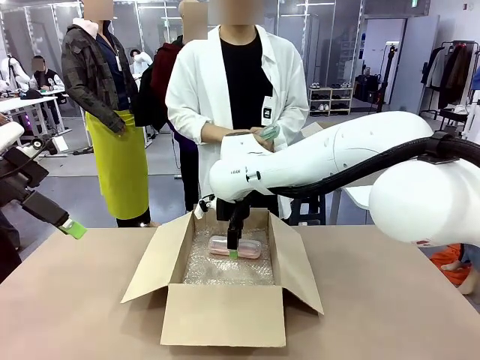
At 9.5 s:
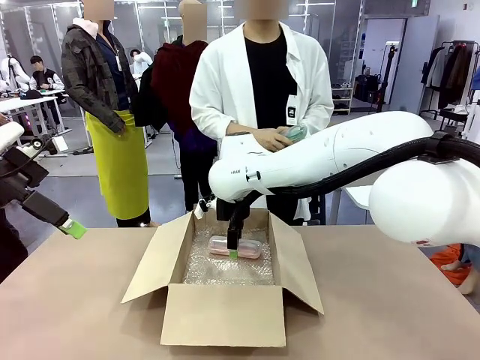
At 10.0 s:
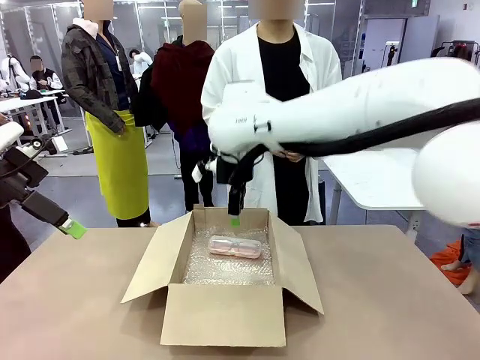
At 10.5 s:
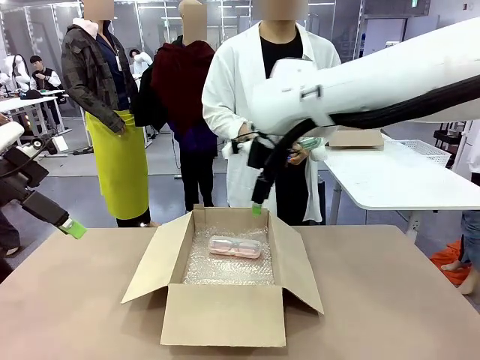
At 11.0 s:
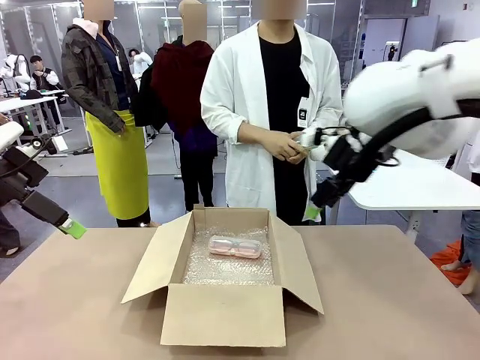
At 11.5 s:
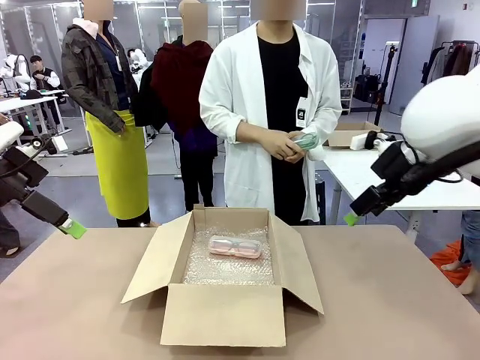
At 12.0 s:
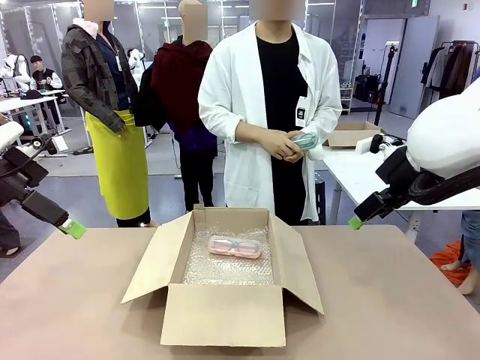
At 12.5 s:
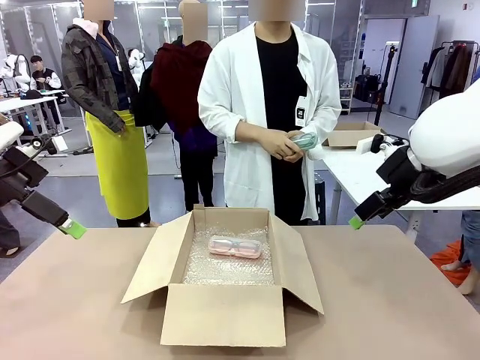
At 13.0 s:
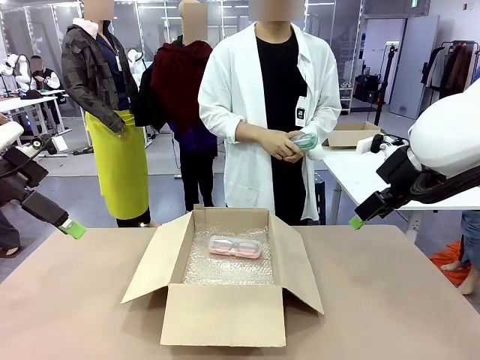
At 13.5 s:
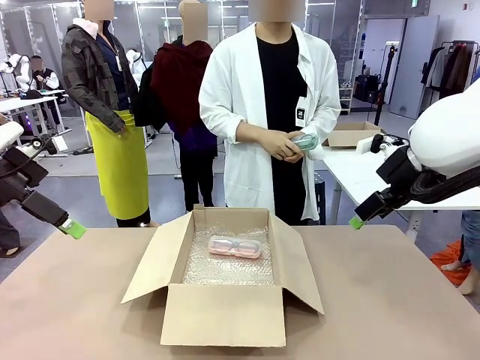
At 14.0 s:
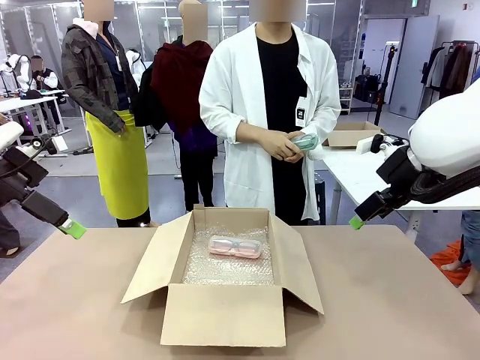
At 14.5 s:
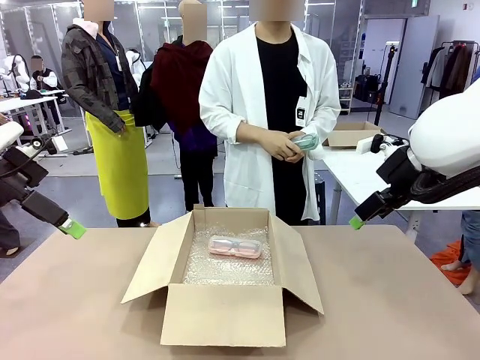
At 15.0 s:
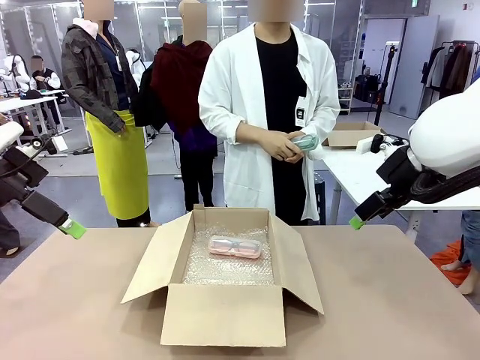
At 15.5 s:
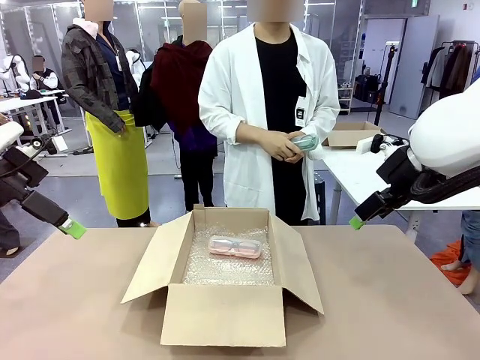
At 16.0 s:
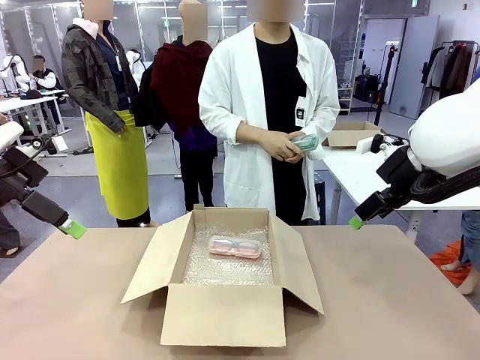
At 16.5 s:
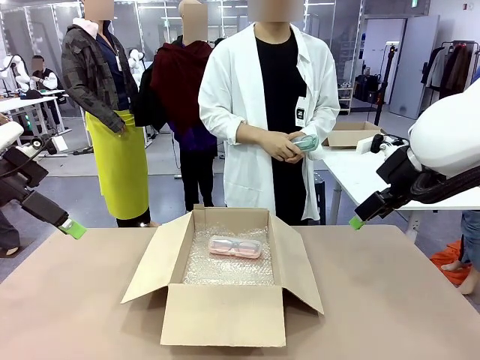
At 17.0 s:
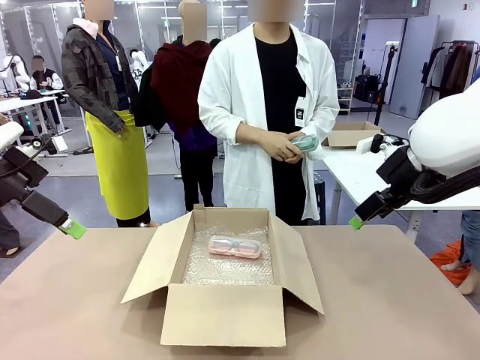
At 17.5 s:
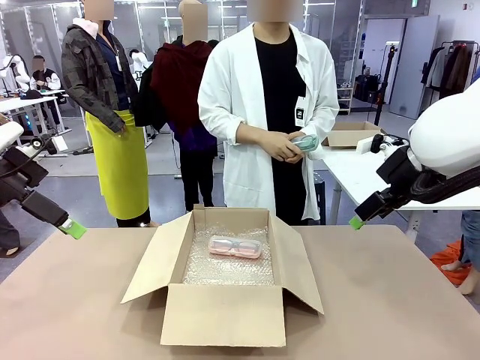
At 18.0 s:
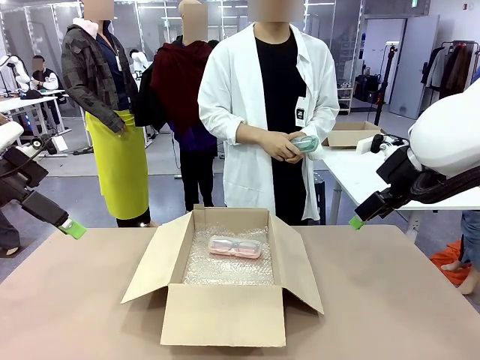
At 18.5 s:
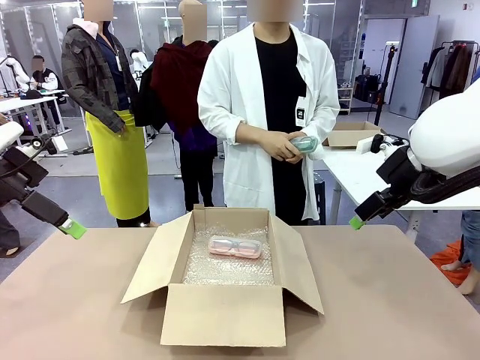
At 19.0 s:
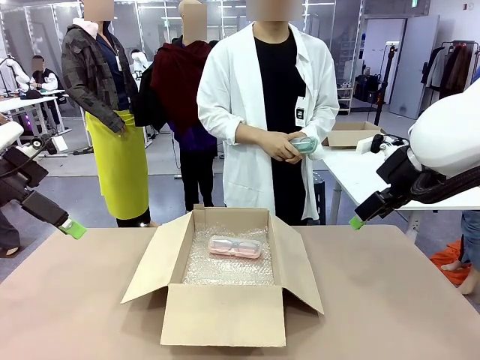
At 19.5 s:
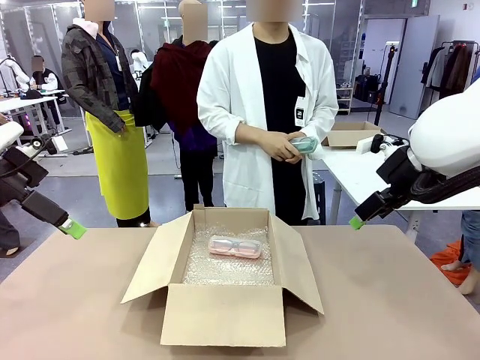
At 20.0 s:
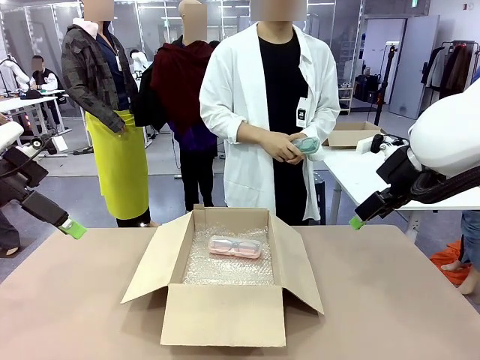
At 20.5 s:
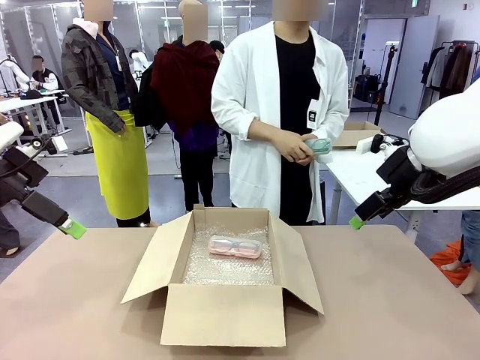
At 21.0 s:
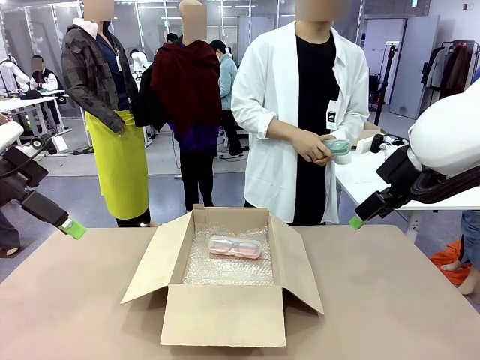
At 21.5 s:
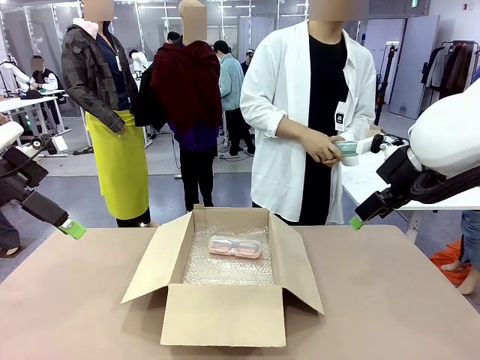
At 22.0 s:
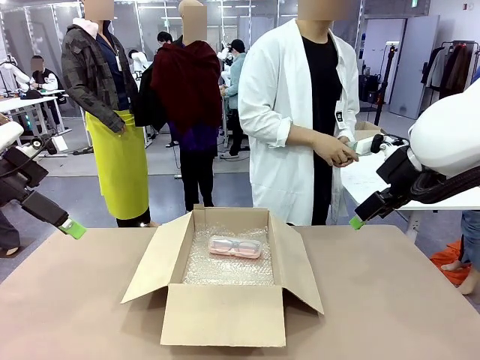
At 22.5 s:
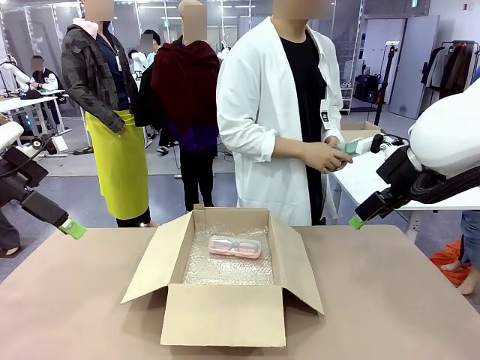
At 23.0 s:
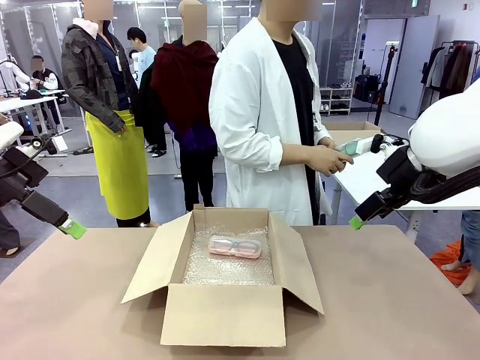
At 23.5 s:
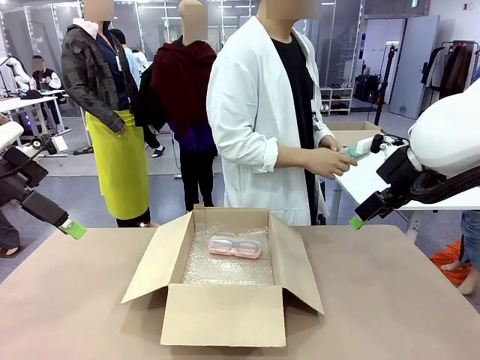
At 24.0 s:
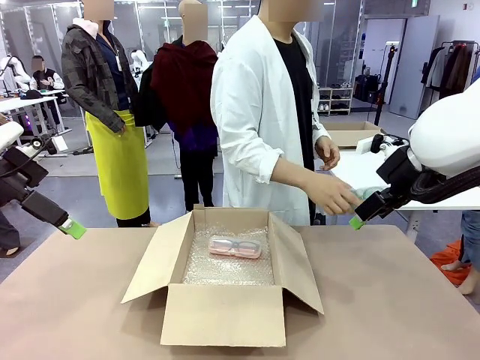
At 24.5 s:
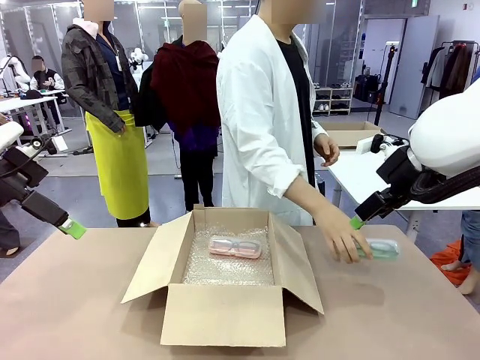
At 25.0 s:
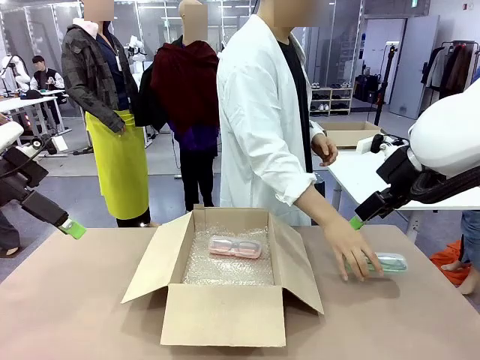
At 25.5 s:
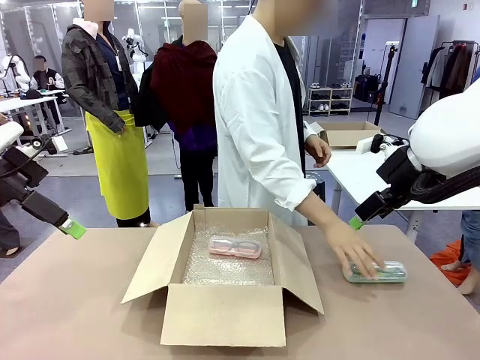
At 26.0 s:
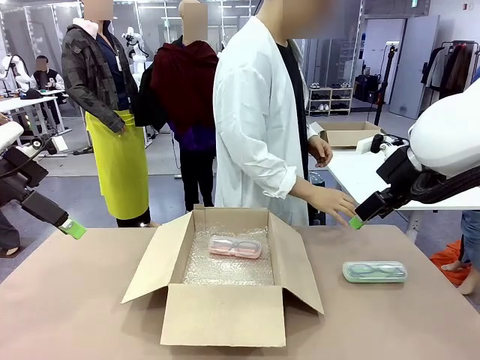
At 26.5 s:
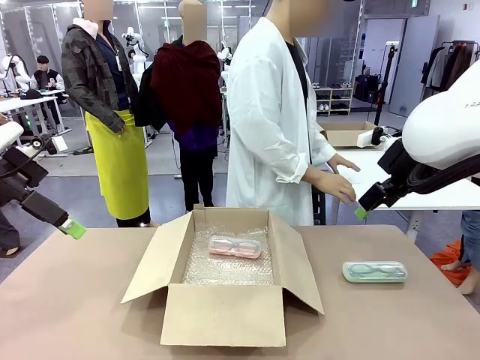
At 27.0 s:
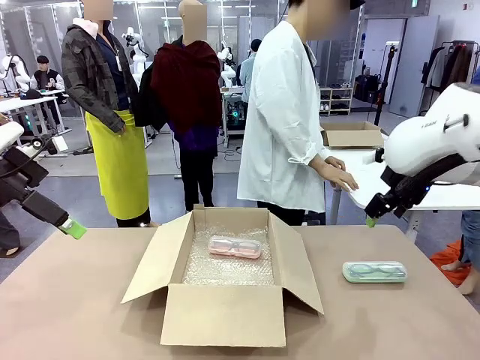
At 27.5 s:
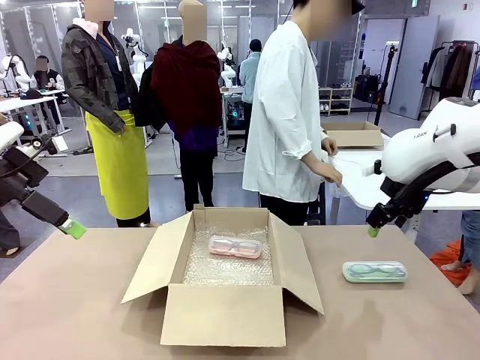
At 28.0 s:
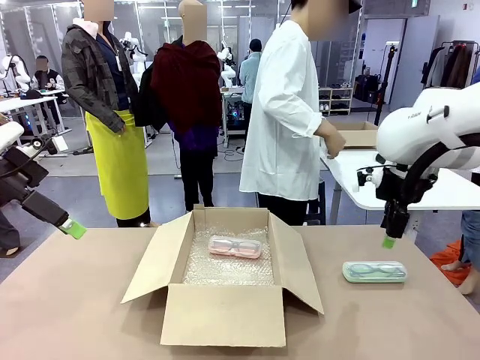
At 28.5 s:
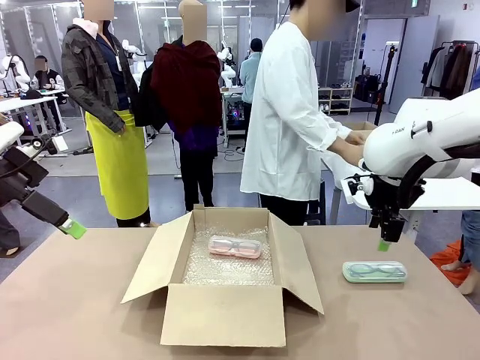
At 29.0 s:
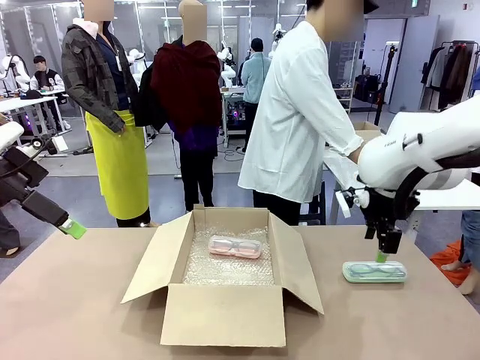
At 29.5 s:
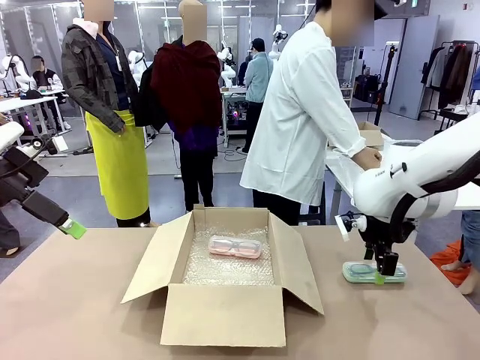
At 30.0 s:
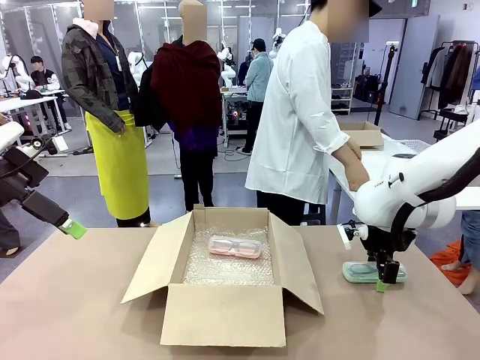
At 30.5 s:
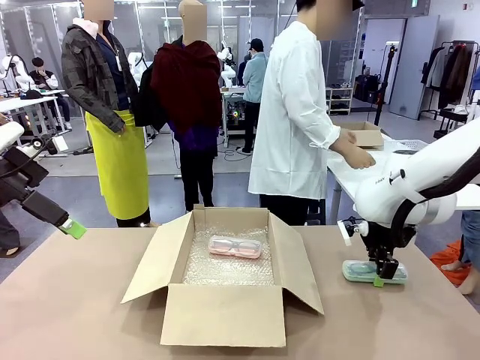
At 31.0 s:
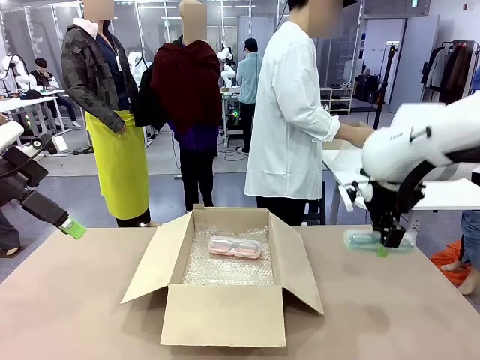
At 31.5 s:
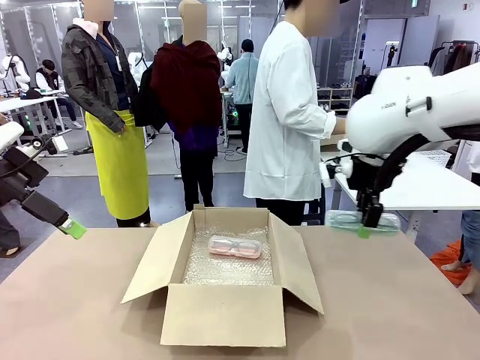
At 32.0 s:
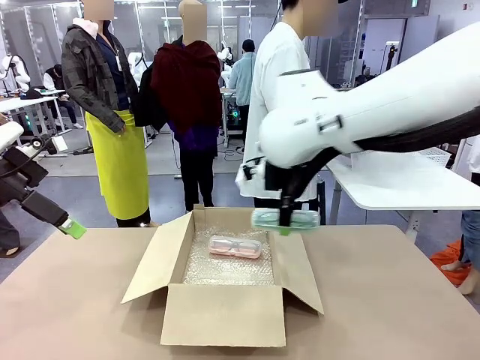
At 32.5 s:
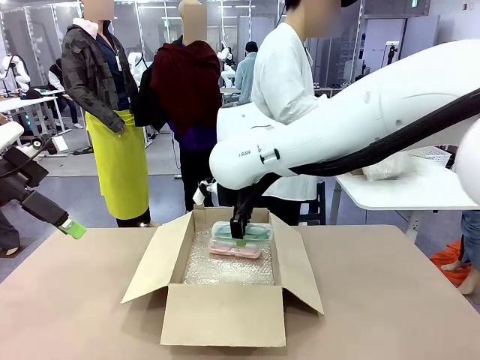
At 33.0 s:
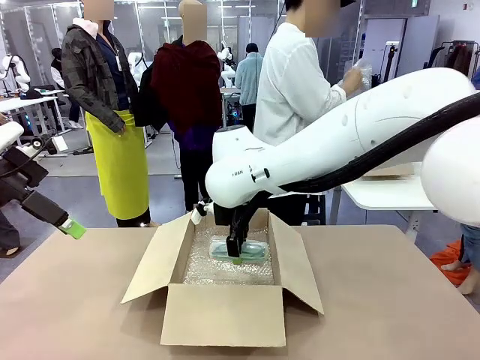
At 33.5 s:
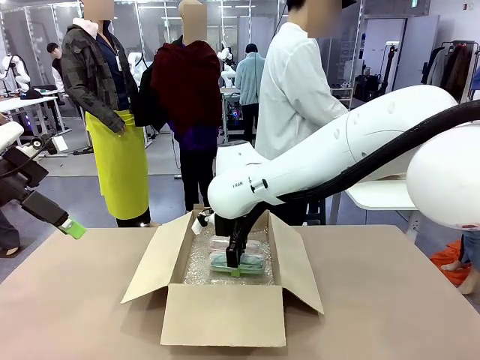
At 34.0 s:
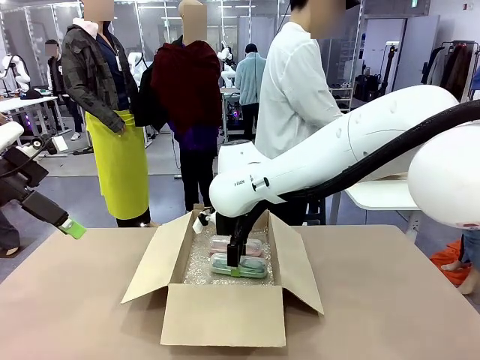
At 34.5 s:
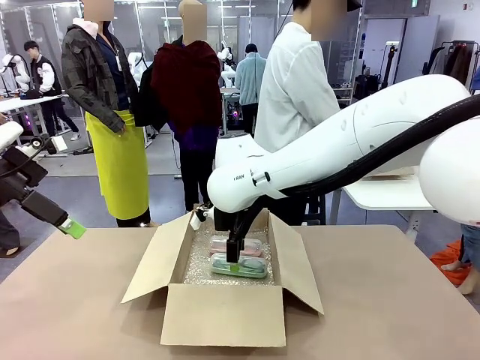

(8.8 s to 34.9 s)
Task: Pack the glasses set securely to prepare it for shipping.
Robot: Put the Glasses case from the right side of the table into the Package Box.
Person: Position the Glasses case on the left side of the robot's table.
